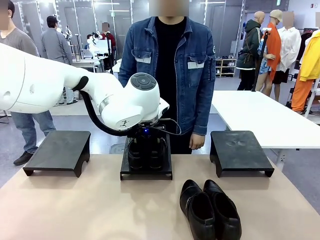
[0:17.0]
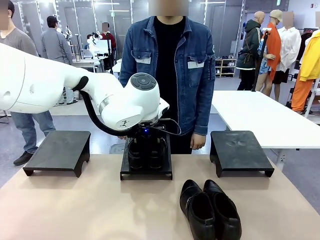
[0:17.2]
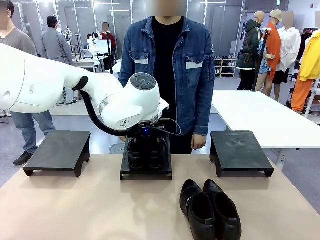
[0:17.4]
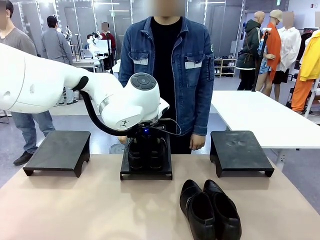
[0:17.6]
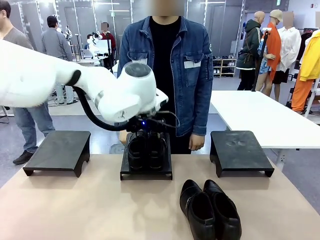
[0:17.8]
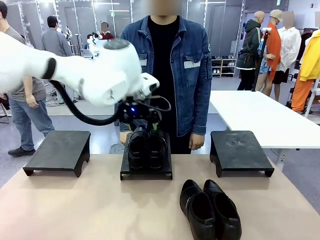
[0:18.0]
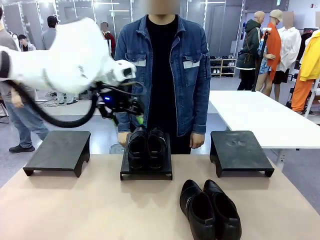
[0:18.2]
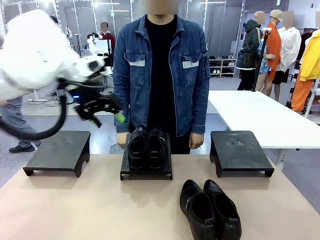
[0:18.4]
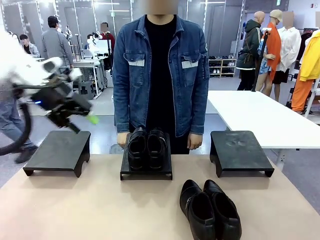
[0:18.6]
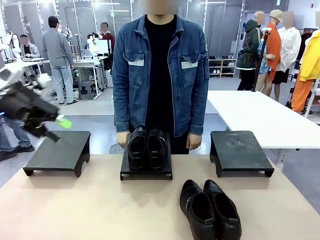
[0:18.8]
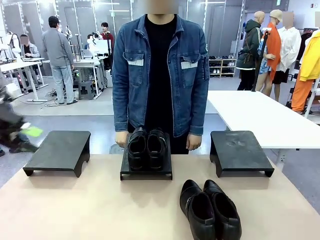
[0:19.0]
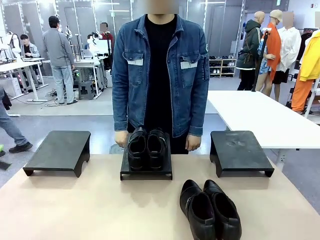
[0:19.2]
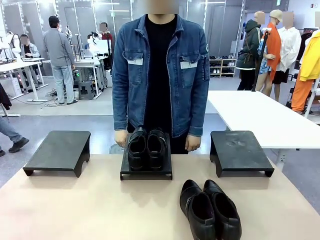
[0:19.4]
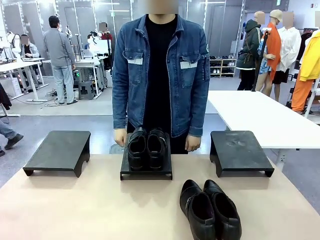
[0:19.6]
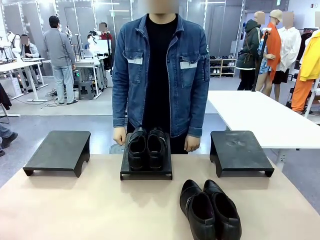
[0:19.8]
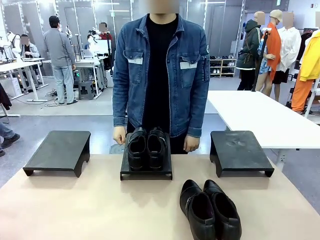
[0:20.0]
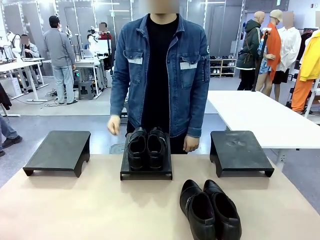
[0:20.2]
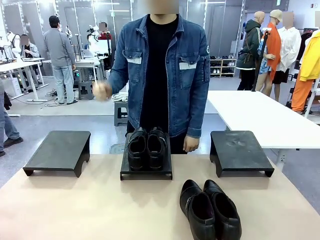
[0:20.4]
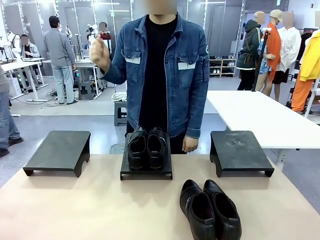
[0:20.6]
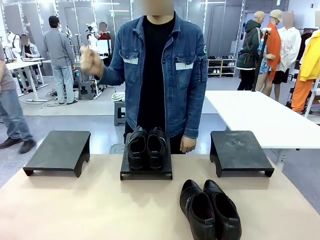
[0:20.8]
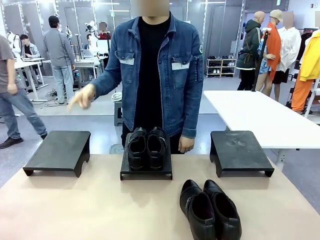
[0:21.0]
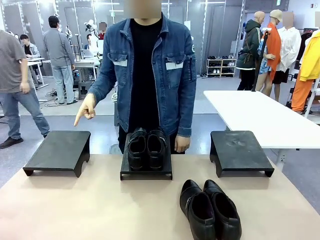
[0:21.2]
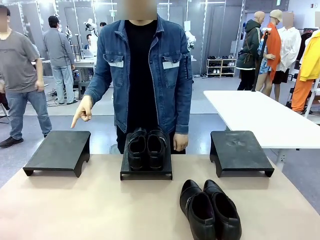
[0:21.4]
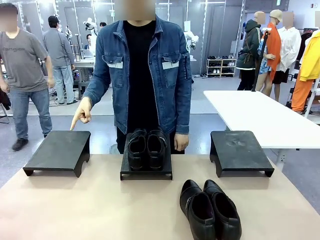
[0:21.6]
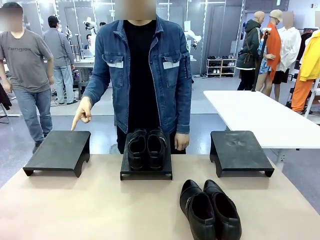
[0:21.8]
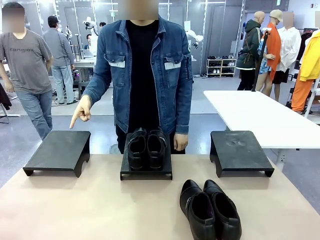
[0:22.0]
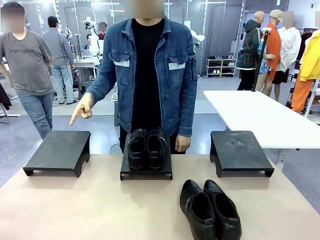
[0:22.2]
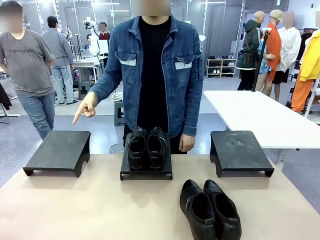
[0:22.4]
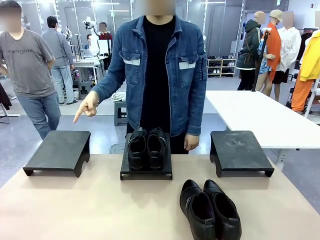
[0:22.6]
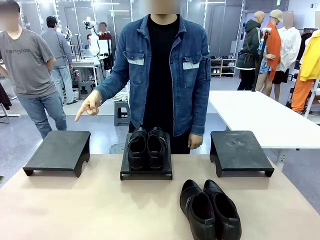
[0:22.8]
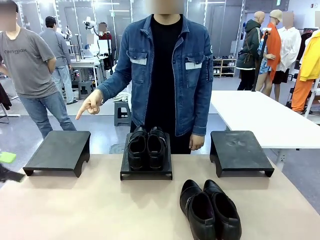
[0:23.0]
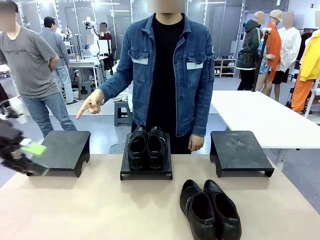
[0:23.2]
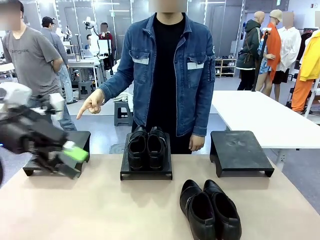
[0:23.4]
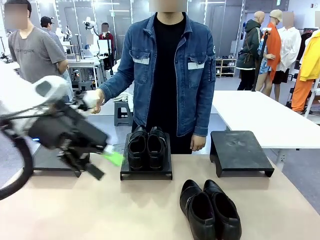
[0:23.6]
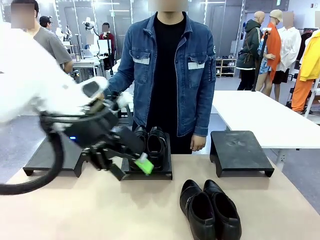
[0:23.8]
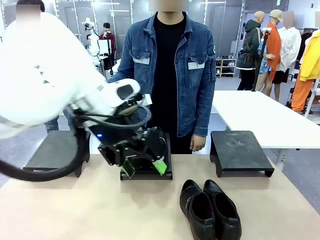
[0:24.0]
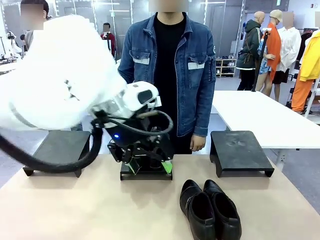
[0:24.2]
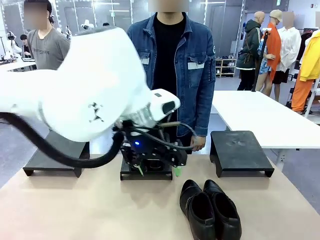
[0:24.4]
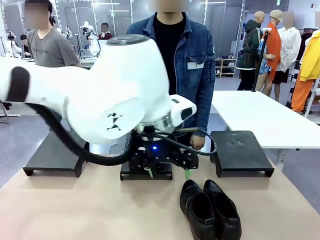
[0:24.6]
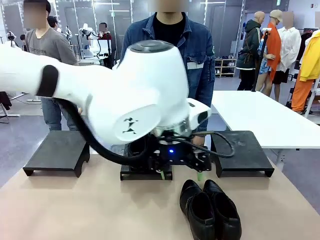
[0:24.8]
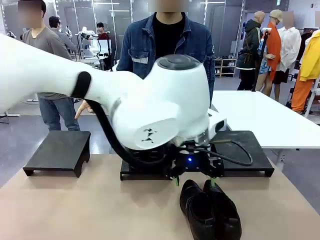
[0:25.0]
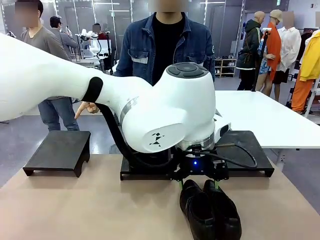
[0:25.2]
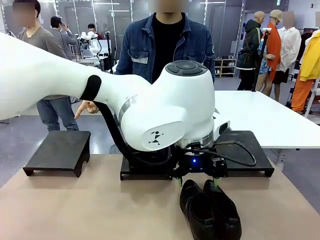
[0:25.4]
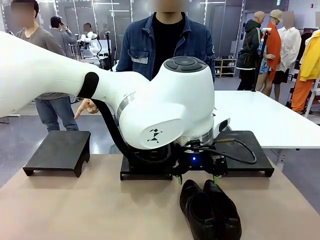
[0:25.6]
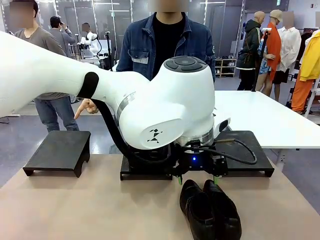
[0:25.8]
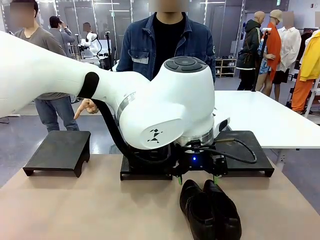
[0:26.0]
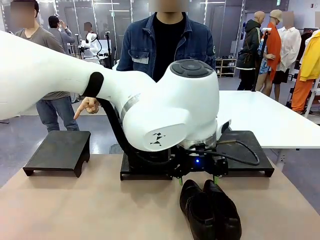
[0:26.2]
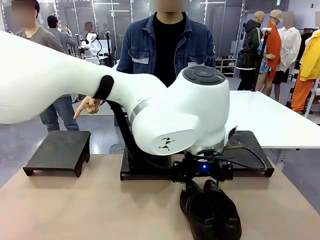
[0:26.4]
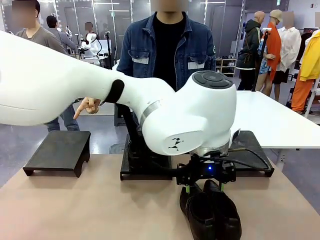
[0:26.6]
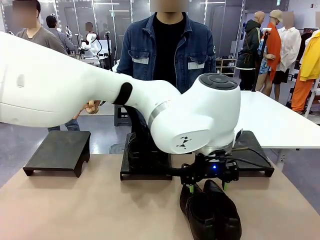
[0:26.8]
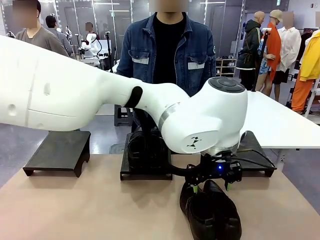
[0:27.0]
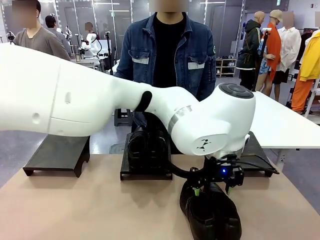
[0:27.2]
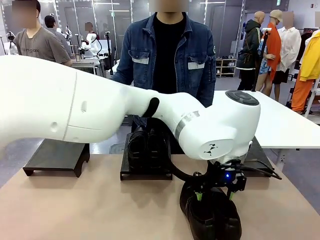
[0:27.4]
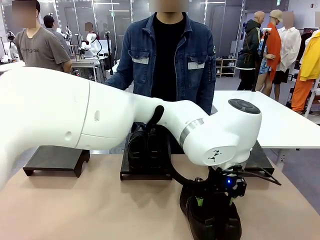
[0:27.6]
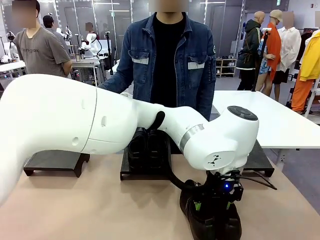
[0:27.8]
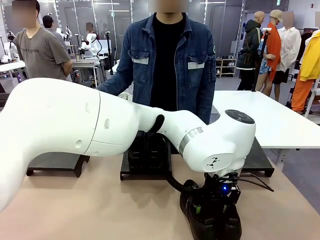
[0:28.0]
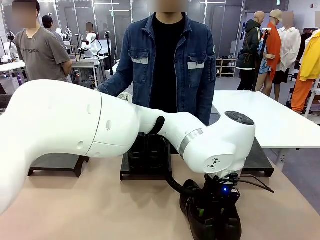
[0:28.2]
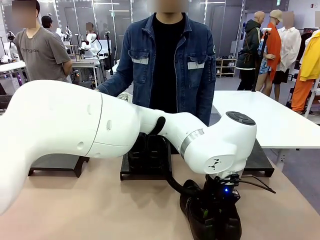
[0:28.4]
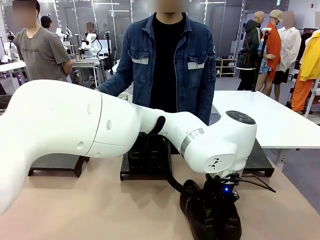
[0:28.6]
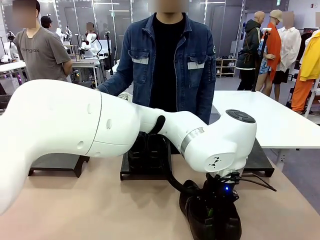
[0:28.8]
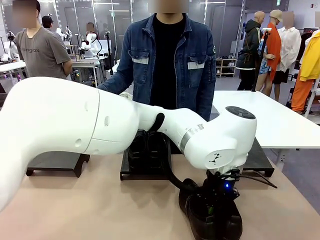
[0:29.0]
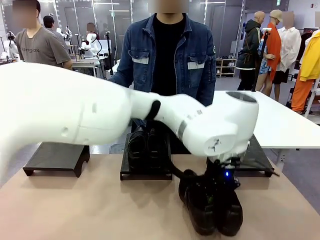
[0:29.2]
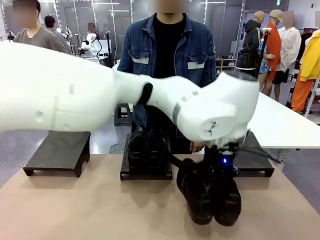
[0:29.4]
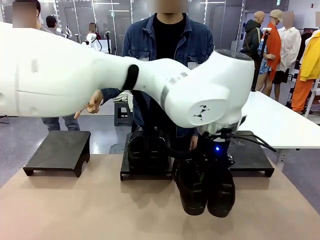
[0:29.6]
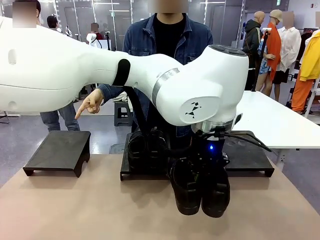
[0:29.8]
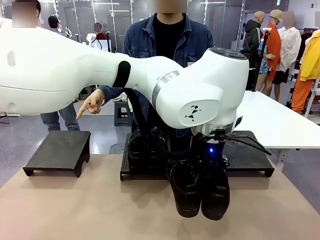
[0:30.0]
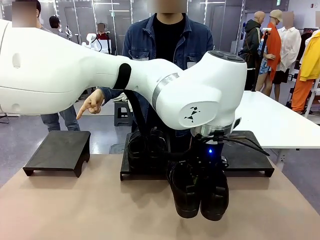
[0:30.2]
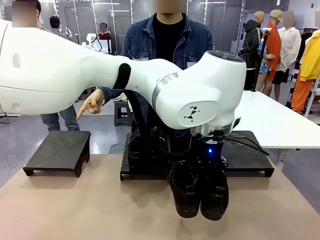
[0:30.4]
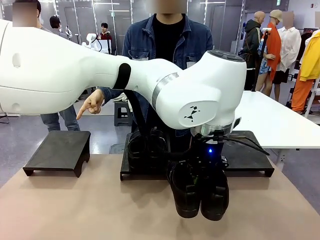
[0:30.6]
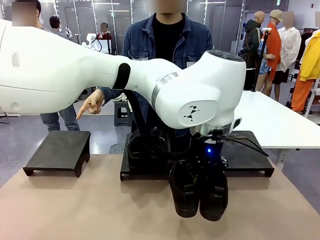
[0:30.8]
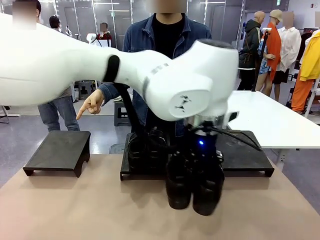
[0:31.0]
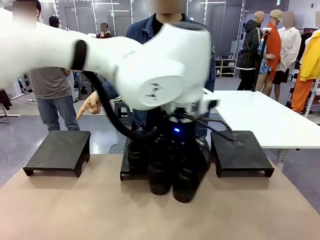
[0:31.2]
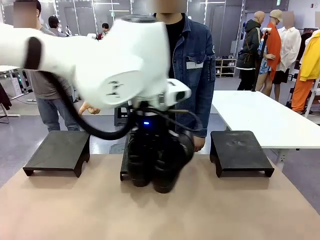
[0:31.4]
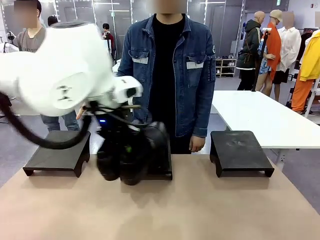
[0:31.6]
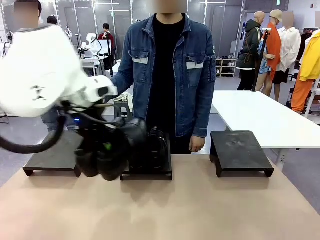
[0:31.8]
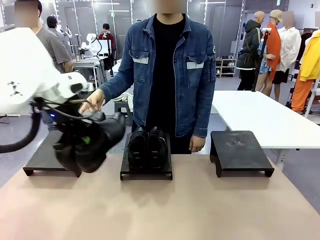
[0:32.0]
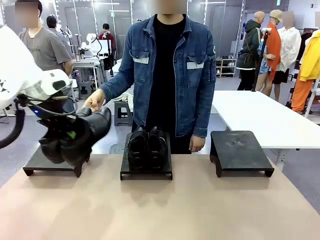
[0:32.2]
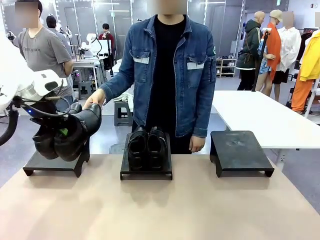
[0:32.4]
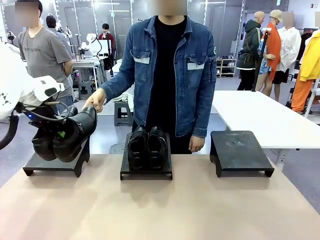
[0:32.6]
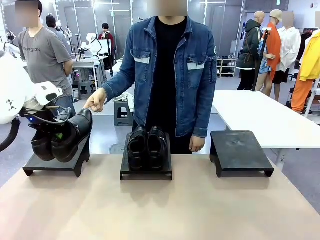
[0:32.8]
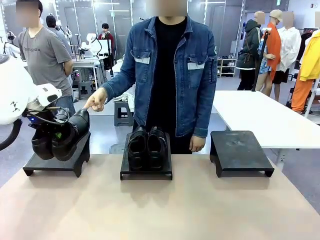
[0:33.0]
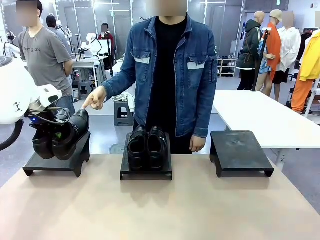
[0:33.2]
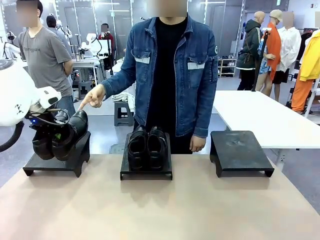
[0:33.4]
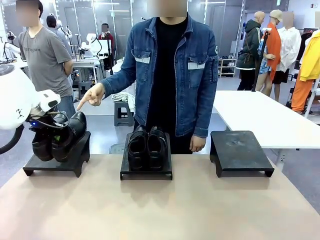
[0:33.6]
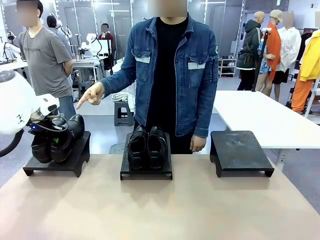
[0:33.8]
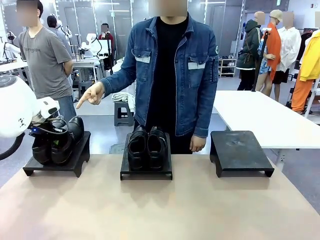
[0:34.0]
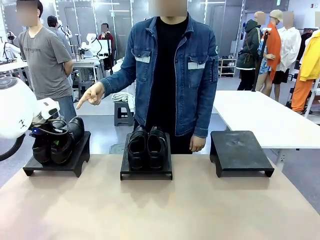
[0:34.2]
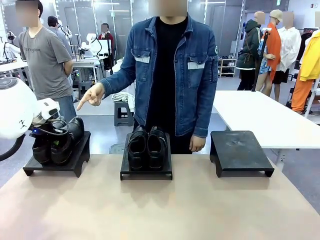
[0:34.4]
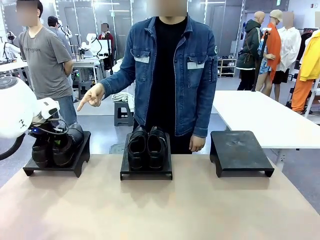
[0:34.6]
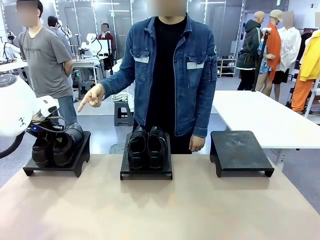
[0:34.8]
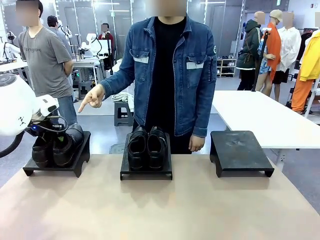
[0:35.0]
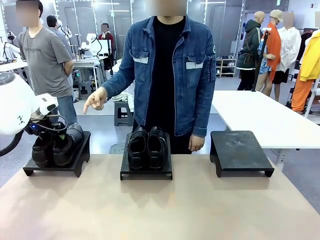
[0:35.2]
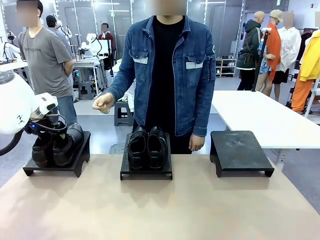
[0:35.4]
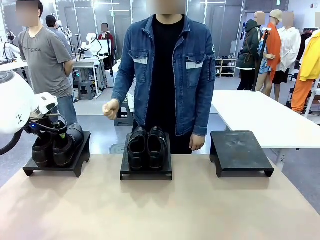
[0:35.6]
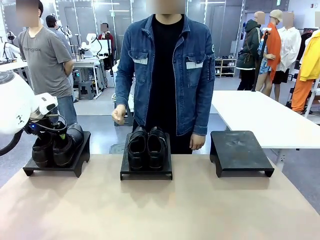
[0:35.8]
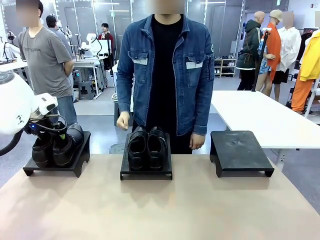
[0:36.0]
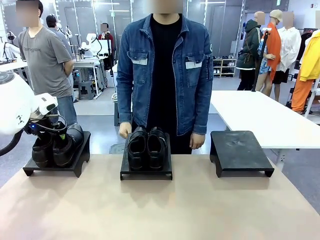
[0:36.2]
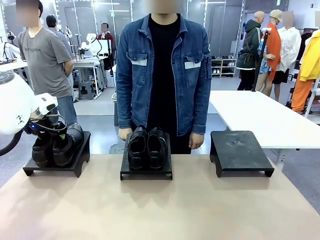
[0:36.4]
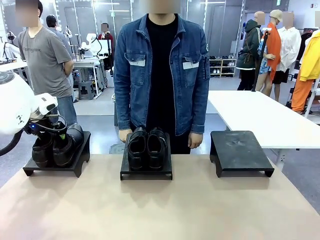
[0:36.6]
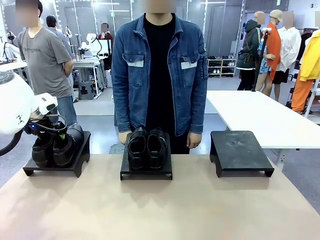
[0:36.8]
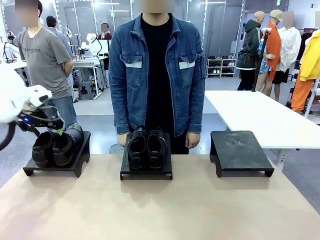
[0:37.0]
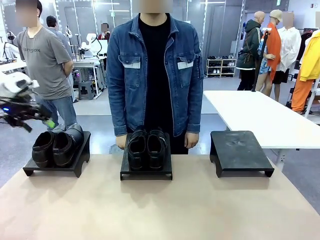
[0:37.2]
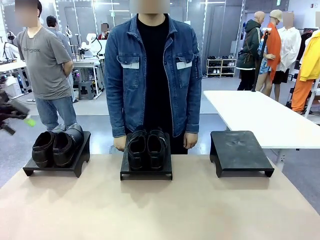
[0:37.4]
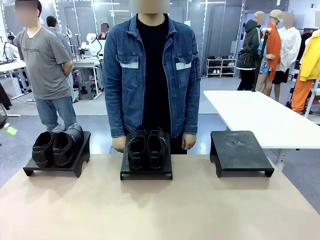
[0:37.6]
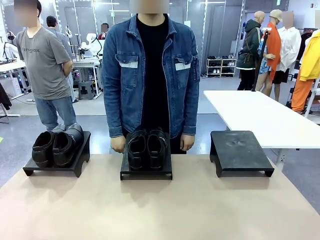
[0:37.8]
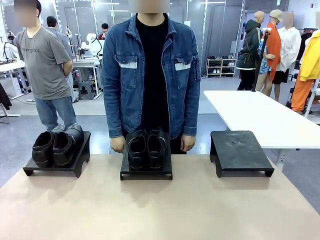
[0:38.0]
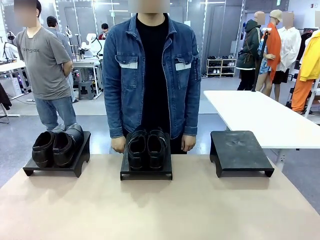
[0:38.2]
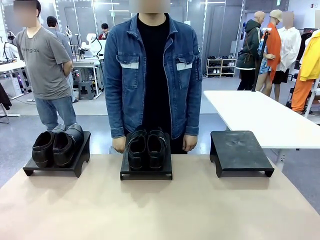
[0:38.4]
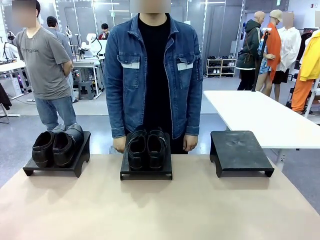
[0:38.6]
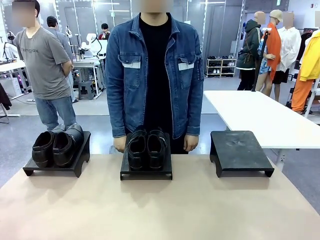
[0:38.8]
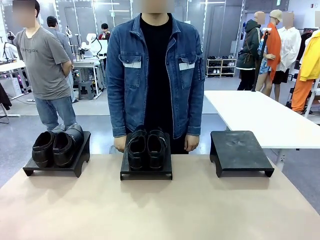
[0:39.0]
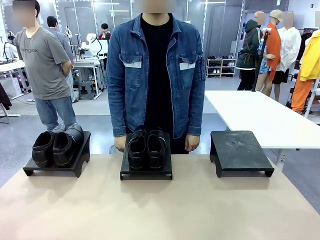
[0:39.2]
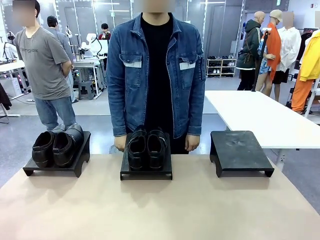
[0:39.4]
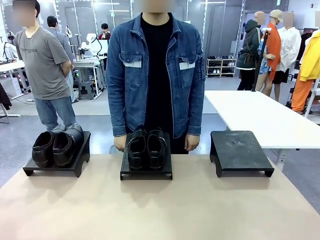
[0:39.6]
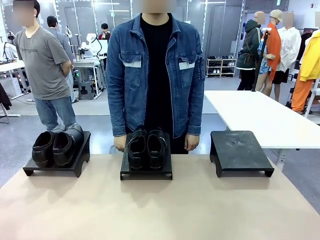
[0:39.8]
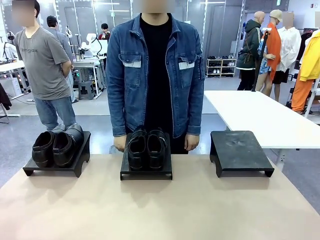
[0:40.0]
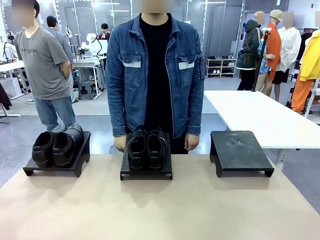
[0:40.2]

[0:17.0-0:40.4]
Task: Place the shoes on the stand as instructed by the person.
Robot: Pick up another pair of Shoes and place it on the Shoes Stand indicated by the person.
Person: Point to one Shoes Stand.
